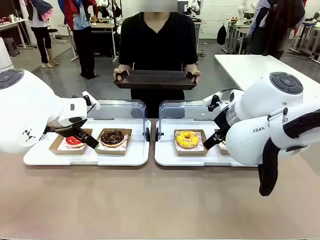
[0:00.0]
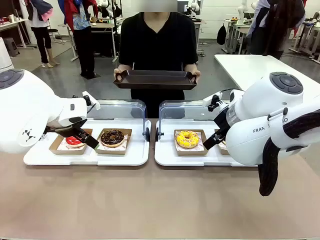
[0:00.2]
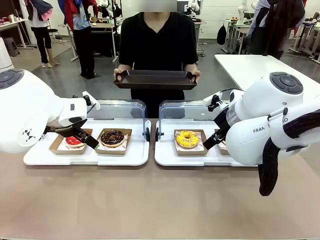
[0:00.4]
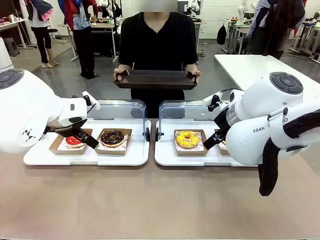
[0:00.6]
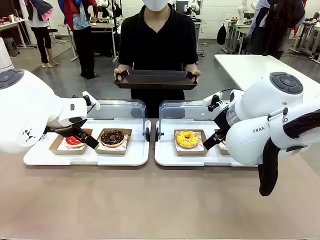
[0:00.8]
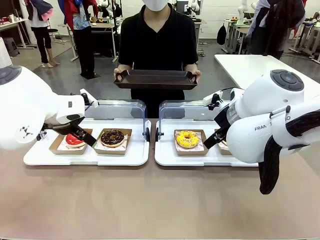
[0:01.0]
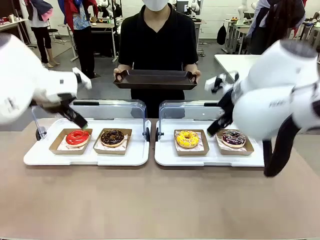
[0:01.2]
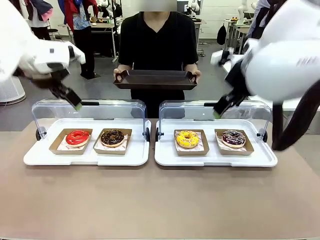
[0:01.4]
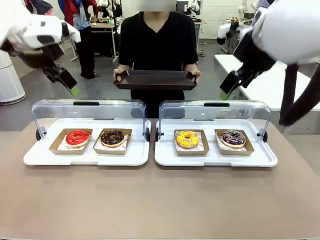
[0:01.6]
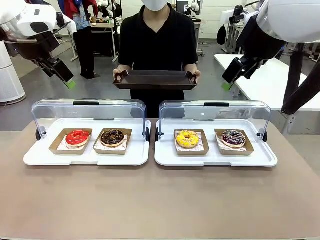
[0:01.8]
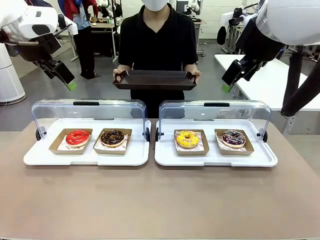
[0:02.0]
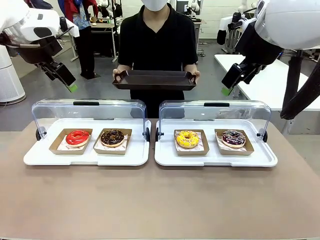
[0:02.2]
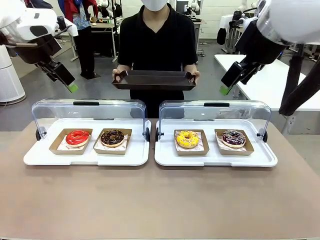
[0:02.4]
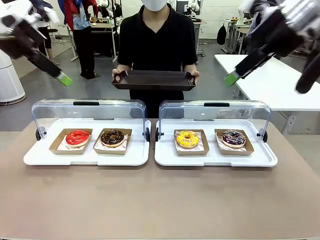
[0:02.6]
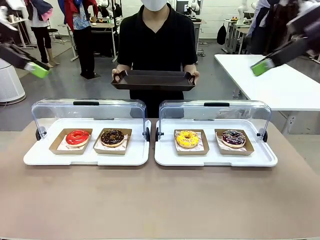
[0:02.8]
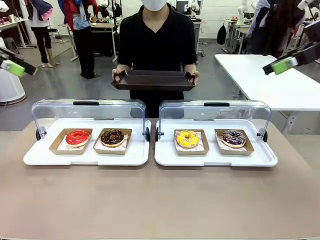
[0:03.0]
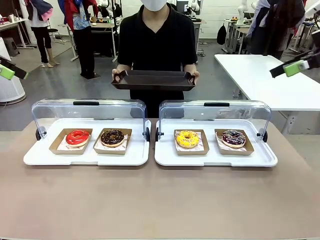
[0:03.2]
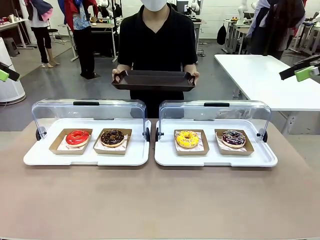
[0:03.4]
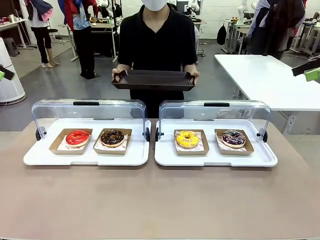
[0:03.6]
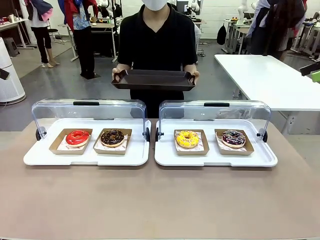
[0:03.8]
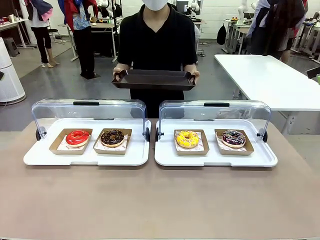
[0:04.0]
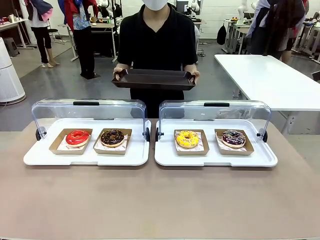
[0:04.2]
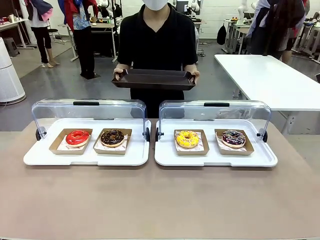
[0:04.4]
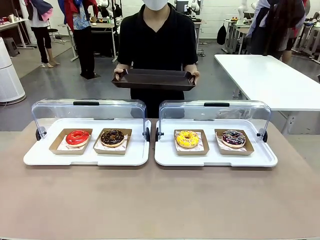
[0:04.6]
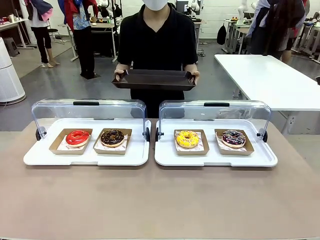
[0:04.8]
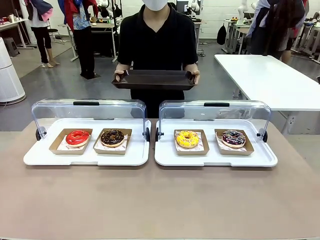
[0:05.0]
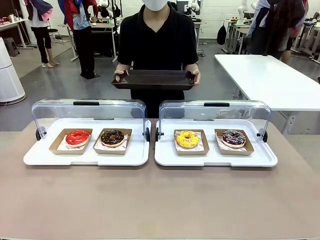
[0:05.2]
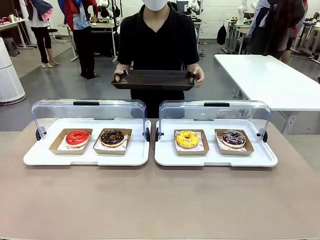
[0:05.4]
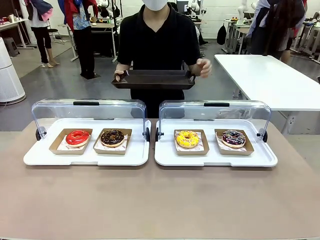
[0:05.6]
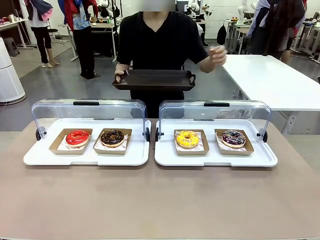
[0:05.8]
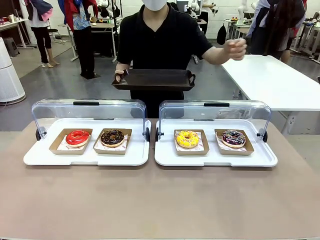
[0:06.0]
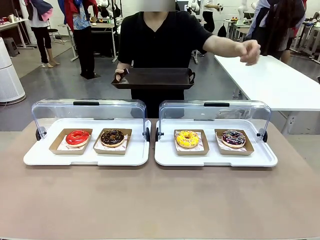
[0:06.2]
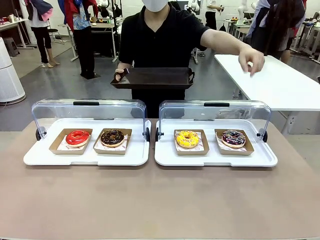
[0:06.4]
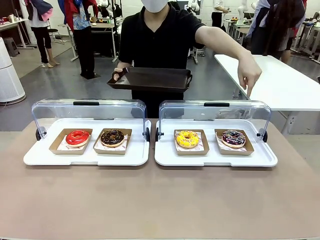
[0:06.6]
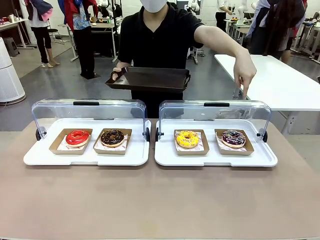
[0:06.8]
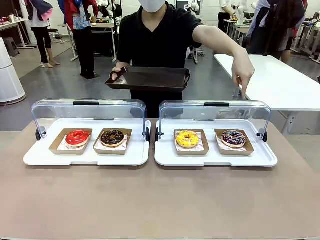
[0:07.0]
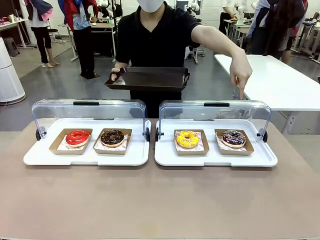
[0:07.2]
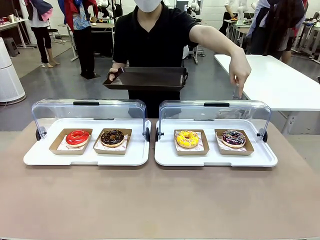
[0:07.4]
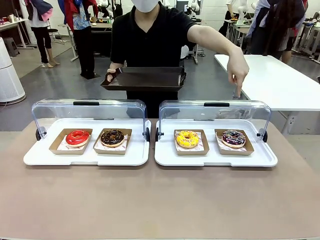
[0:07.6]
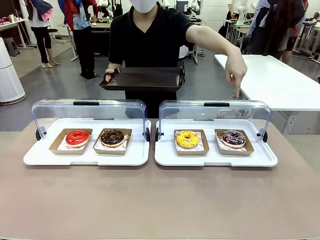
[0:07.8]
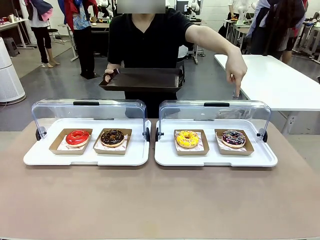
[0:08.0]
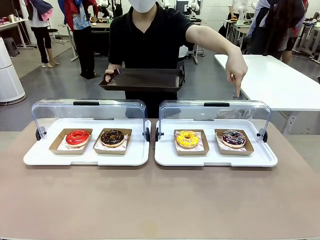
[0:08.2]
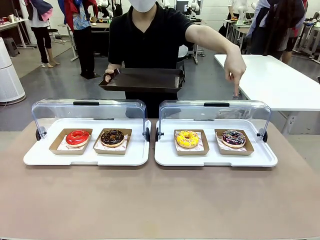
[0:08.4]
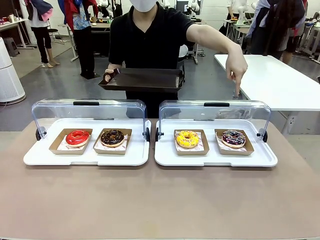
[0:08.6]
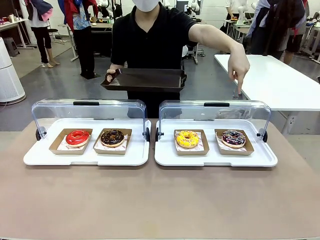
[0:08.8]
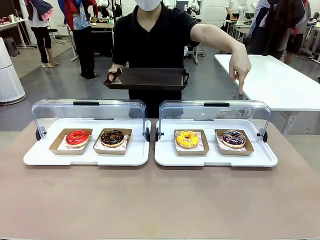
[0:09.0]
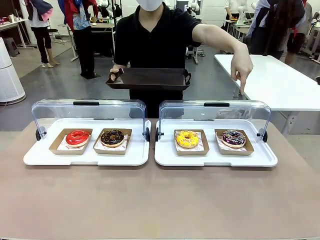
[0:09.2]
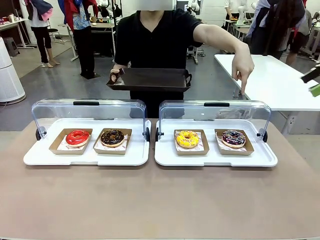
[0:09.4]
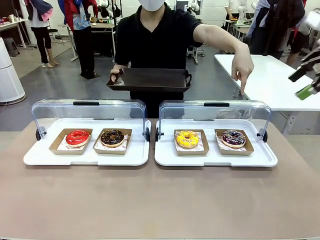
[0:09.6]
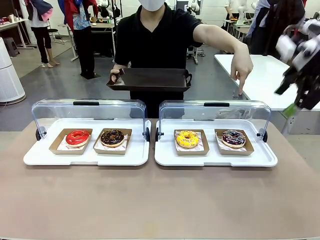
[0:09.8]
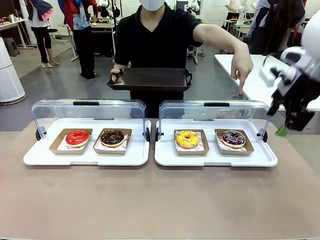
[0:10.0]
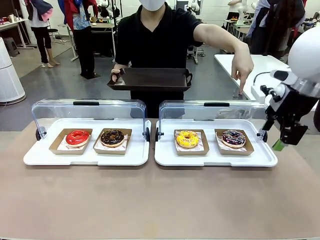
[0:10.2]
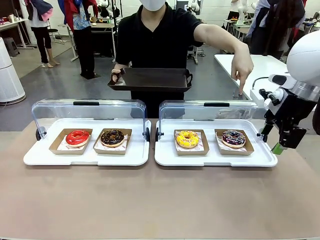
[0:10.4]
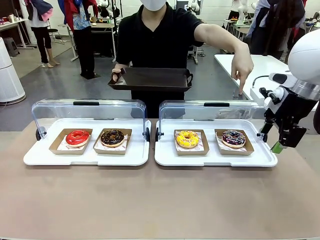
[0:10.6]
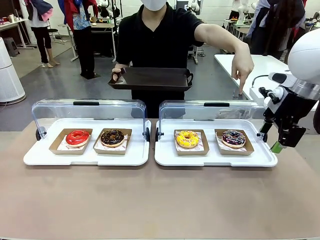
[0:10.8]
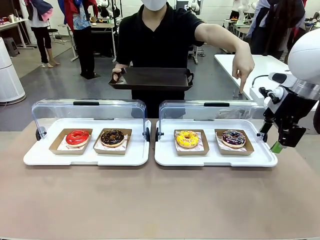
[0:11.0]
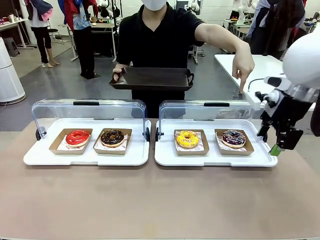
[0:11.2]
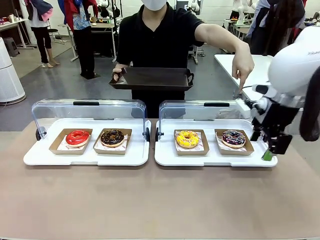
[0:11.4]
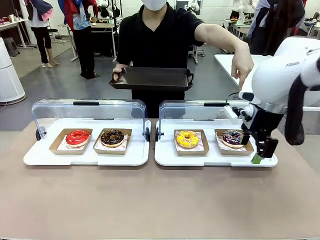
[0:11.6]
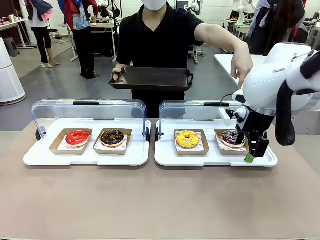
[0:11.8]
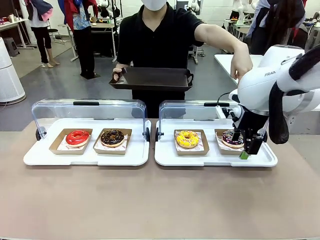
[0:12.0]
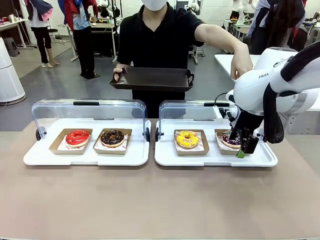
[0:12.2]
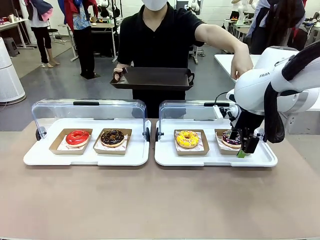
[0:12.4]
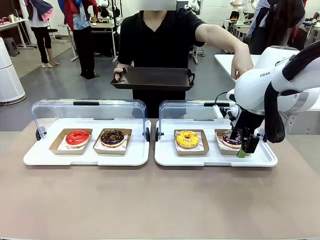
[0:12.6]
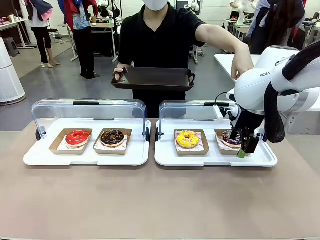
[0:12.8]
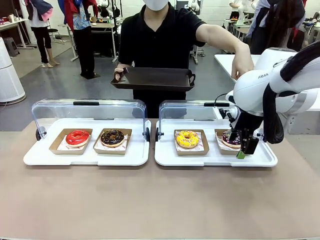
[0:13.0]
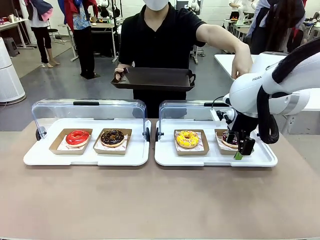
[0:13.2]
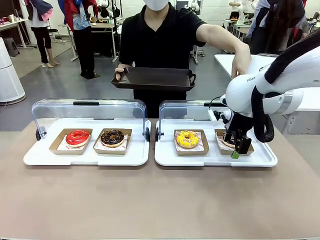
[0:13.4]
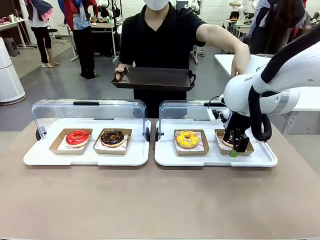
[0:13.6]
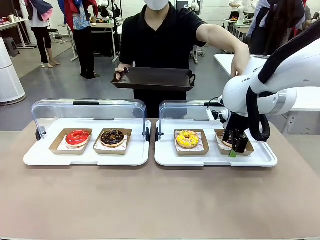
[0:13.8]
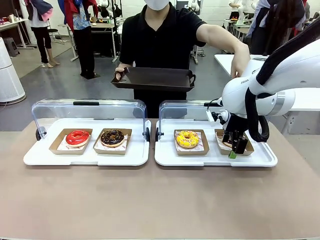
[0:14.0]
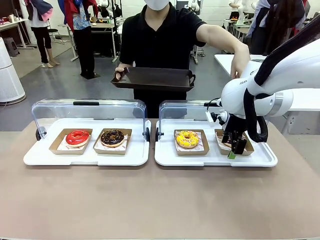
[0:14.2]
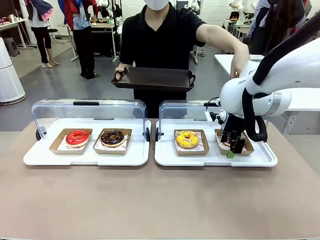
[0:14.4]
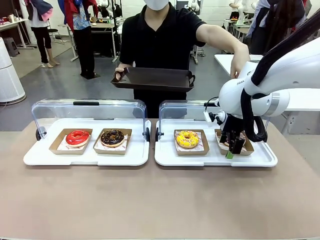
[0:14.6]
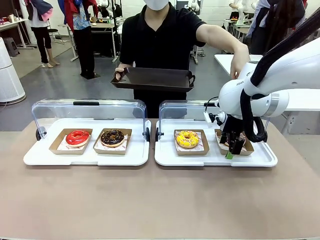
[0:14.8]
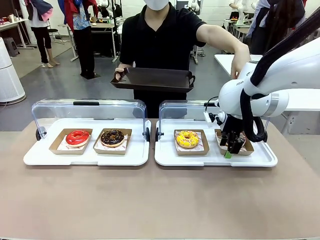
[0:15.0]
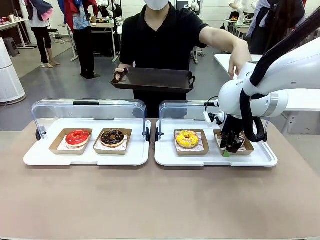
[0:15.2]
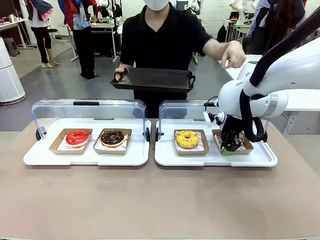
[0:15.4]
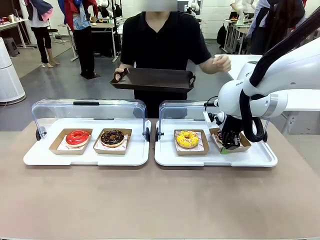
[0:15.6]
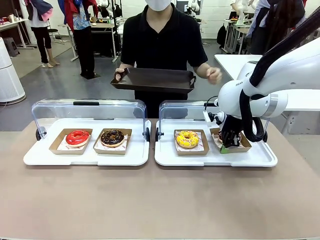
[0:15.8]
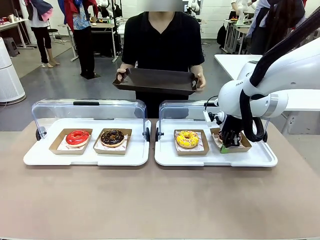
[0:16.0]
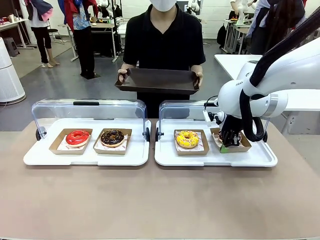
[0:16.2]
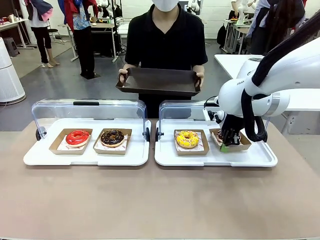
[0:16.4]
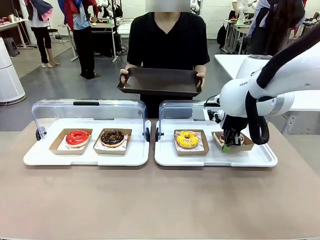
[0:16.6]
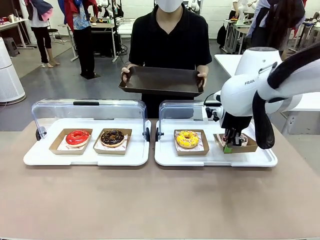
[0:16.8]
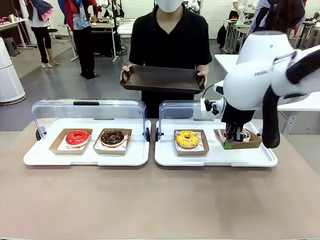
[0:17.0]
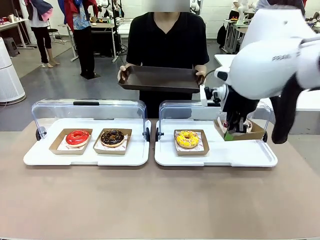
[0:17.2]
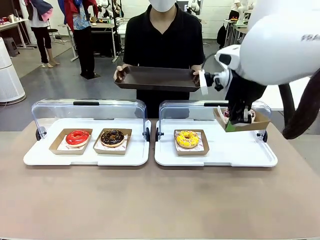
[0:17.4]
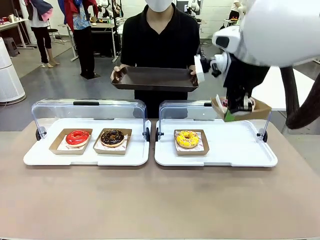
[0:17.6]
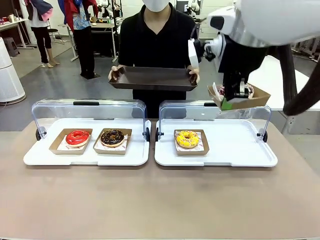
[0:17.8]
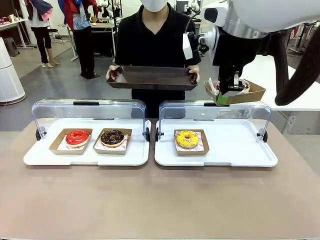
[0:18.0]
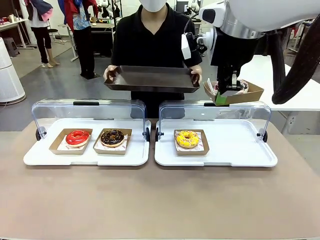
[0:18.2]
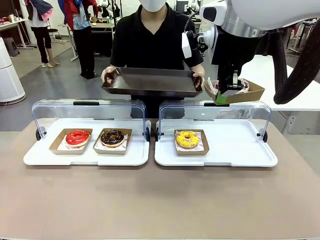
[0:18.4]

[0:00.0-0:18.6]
Task: Provide the desired donut to the person.
Robot: Pick up and lift the Paper togo box containing the Donut pointed at by the person.
Person: Point to one donut. Lift the tray onto the Roll-Top Bakery Case.
